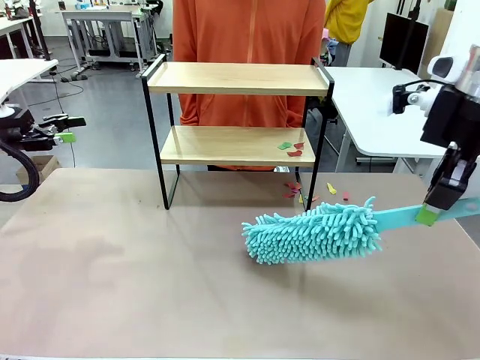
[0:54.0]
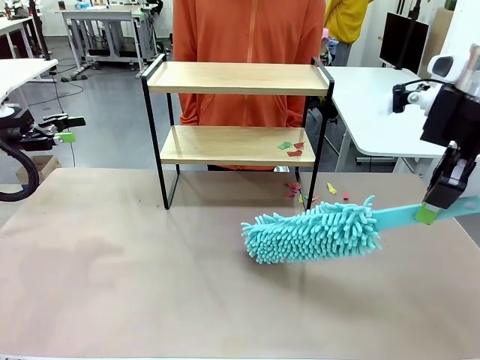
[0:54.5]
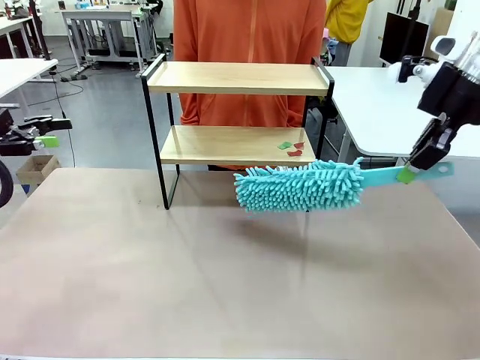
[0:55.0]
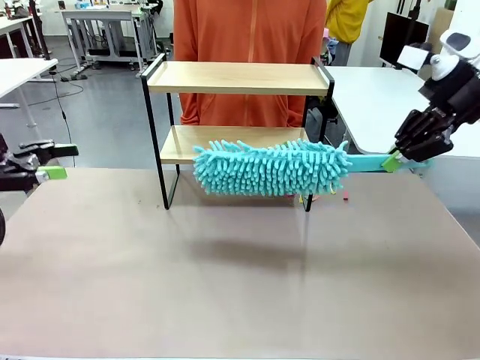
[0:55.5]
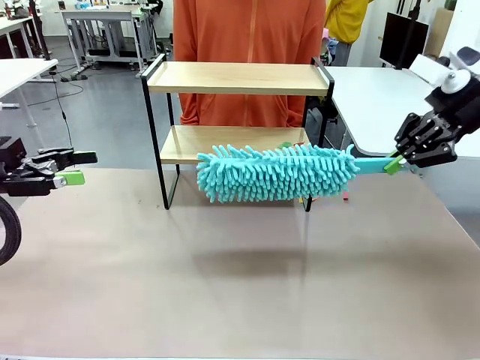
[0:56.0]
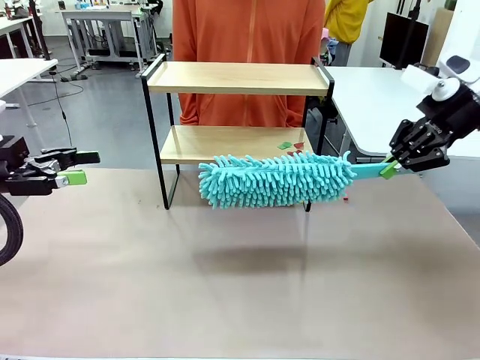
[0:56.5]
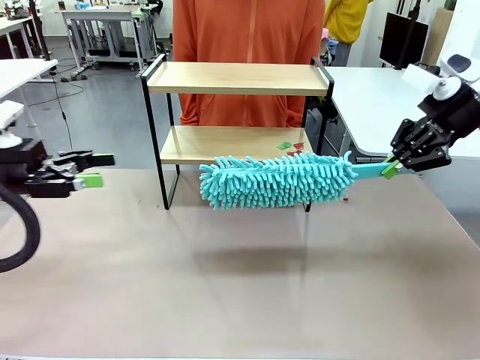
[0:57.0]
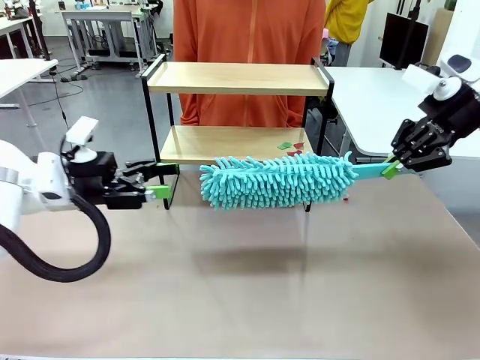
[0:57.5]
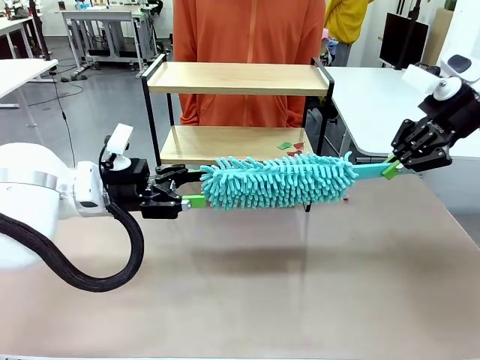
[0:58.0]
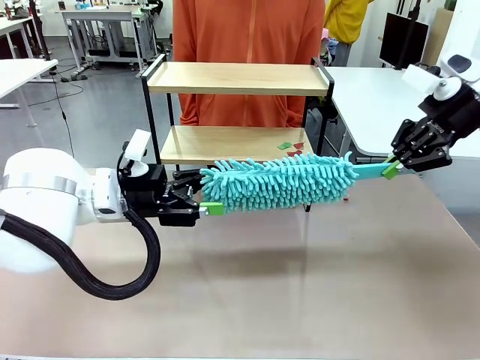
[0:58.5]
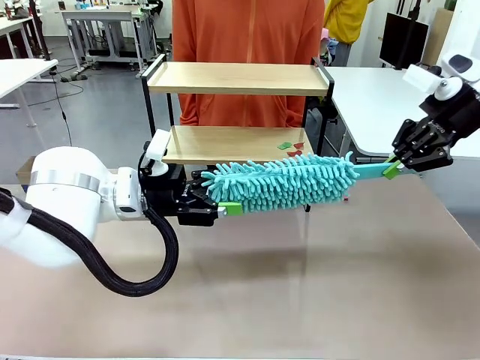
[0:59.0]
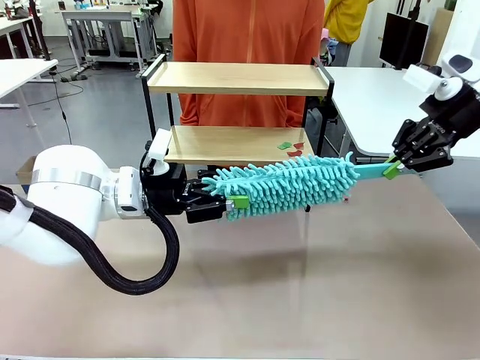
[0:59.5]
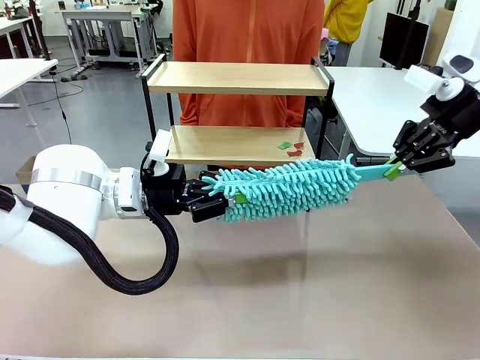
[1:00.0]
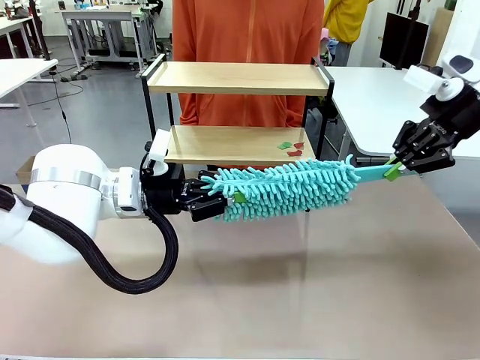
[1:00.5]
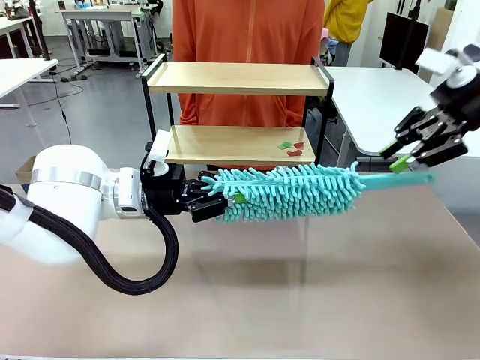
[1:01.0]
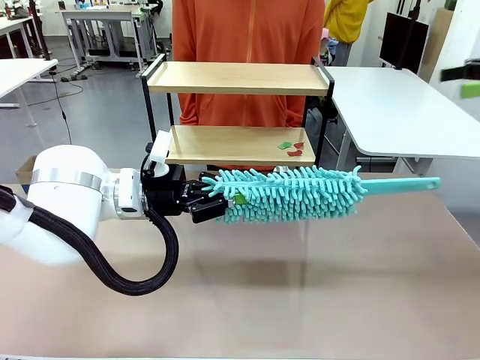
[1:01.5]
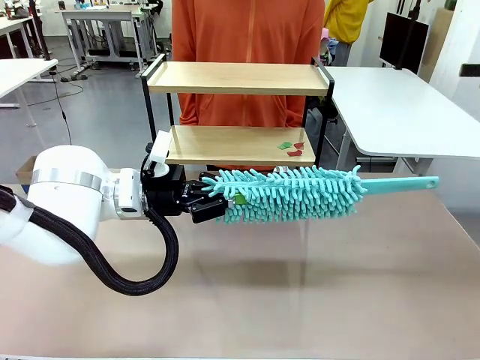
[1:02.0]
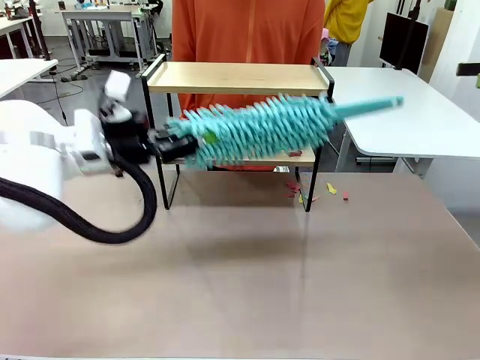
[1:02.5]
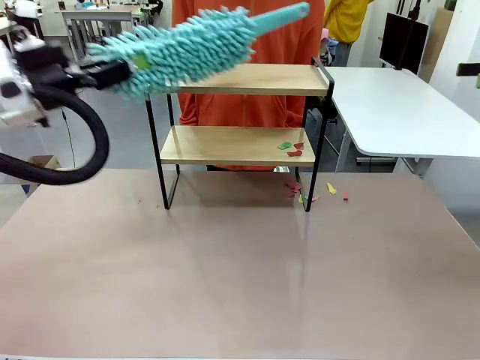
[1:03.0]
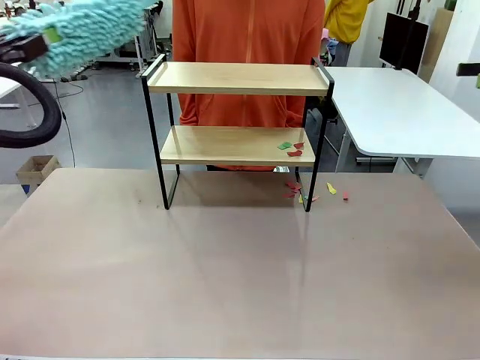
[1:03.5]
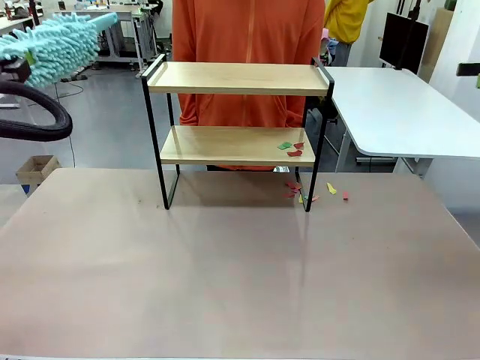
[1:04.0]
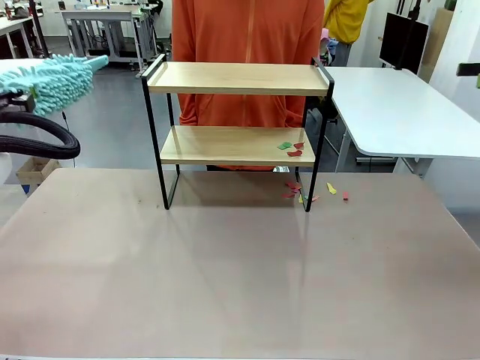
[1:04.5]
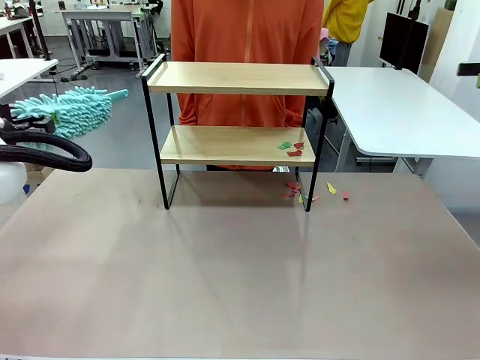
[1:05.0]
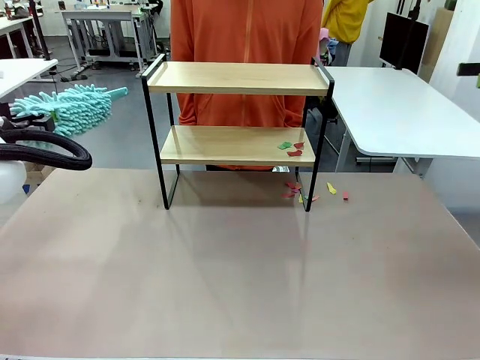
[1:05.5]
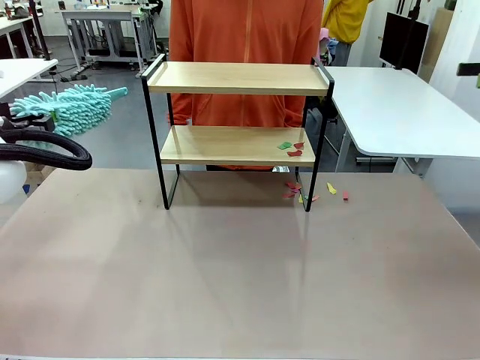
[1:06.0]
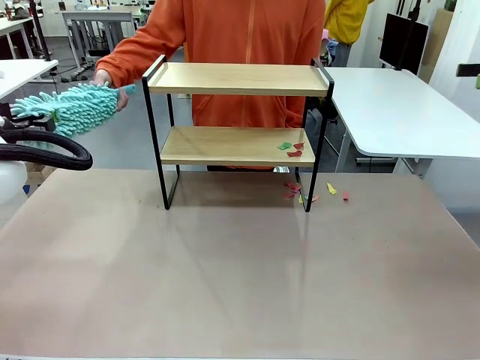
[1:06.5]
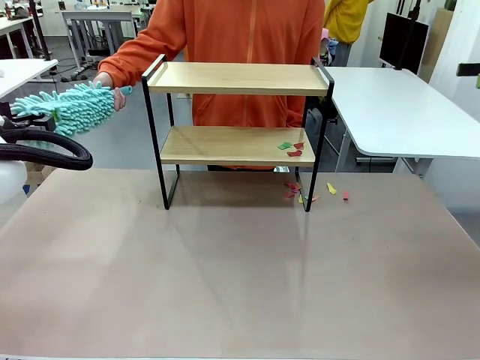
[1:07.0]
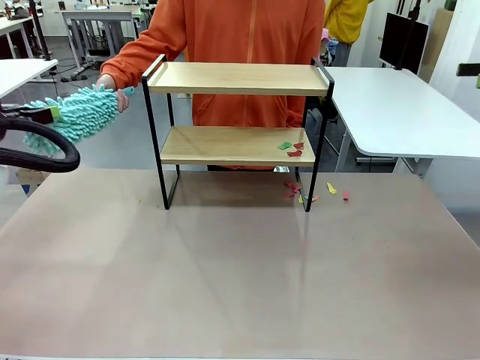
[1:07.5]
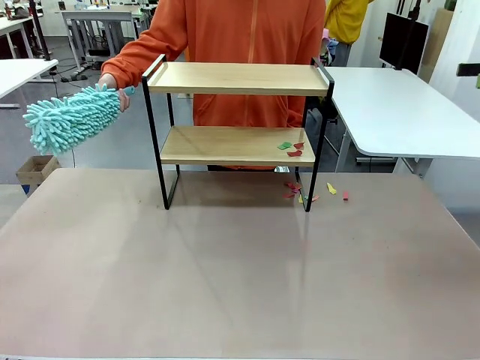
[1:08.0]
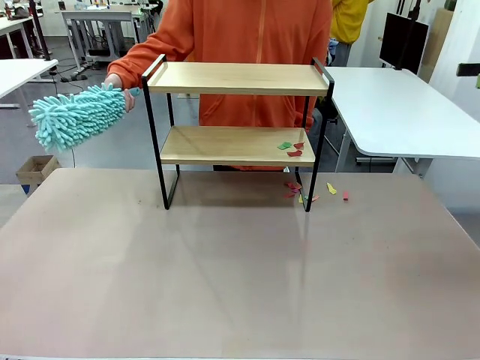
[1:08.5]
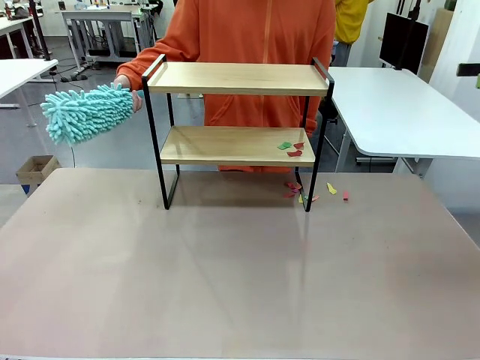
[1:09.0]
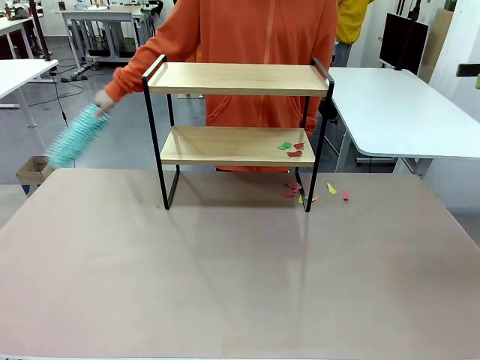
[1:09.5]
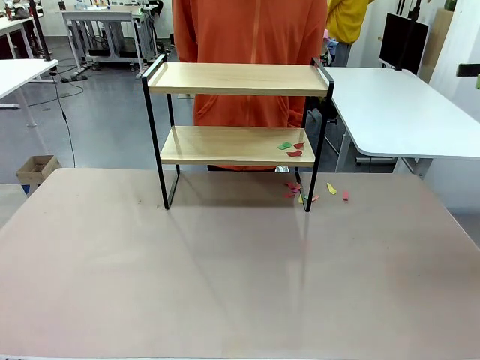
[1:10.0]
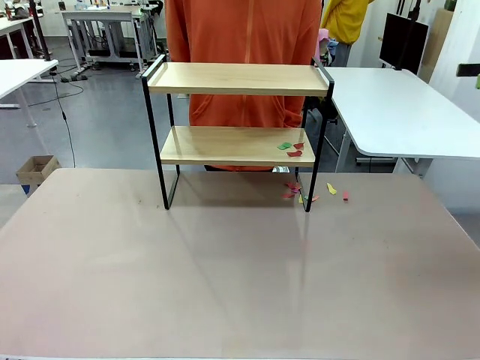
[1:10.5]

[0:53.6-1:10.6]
Task: Clean the shelf.
Robot: Hand the Duster back to the human.
Person: Receive the Duster from the robot.

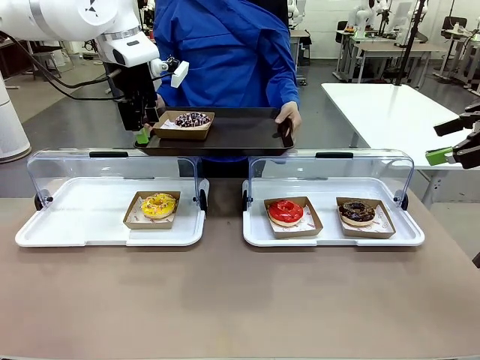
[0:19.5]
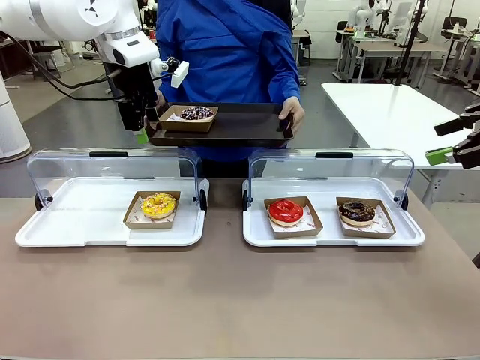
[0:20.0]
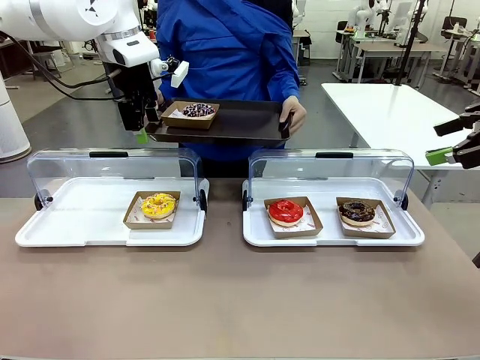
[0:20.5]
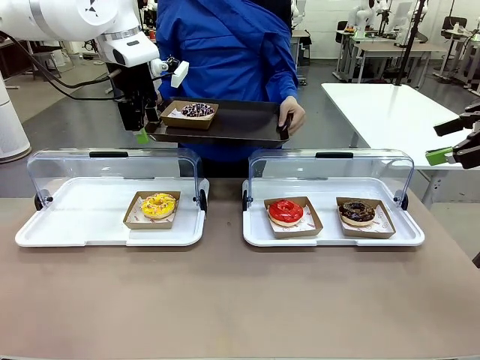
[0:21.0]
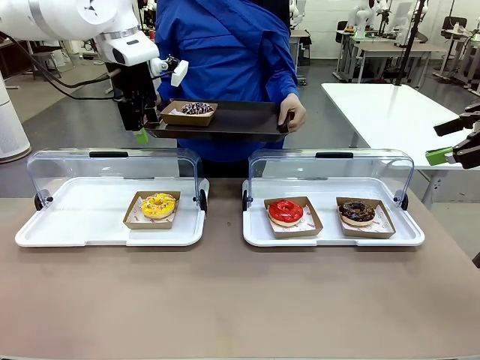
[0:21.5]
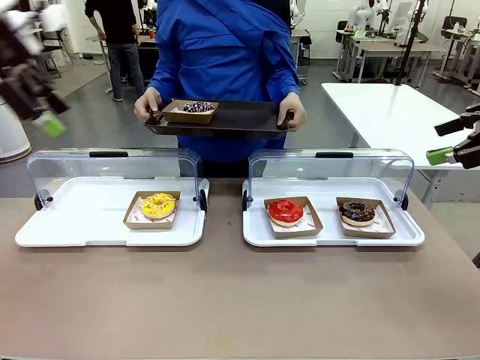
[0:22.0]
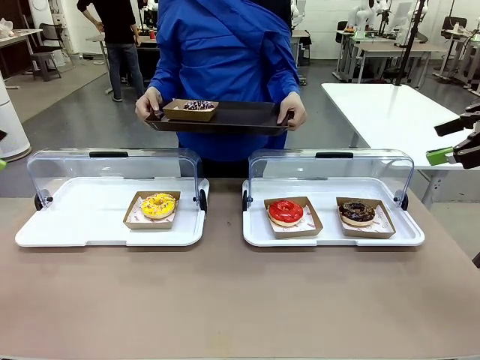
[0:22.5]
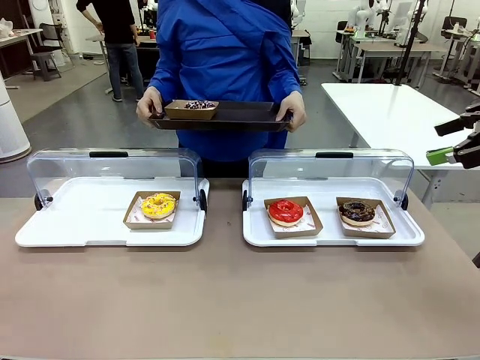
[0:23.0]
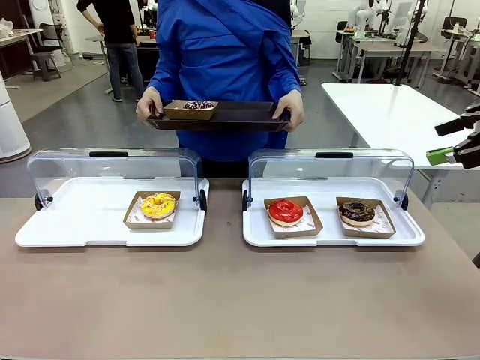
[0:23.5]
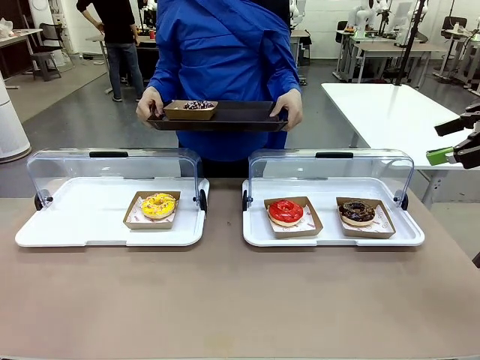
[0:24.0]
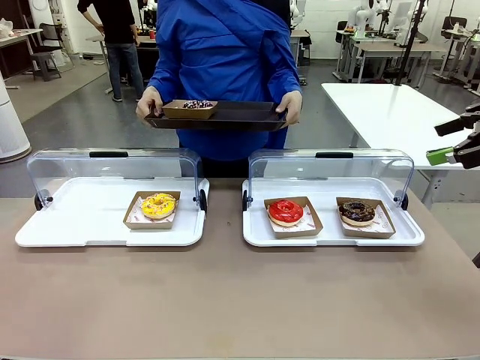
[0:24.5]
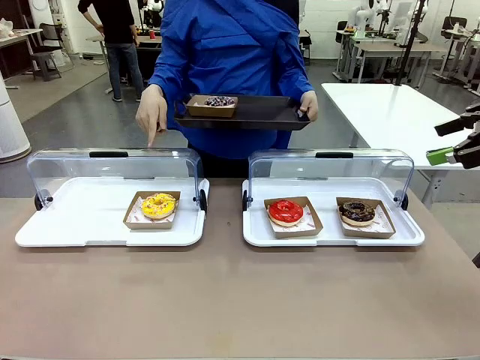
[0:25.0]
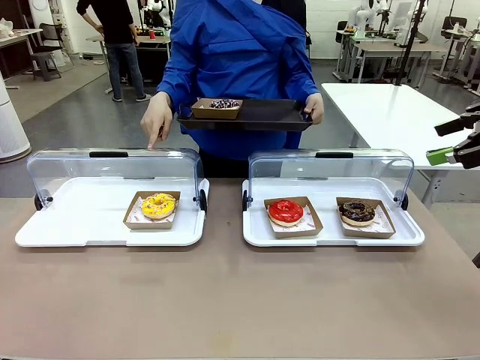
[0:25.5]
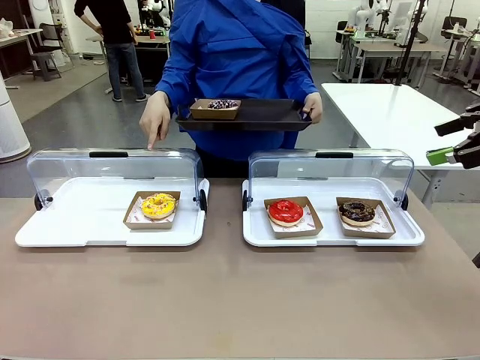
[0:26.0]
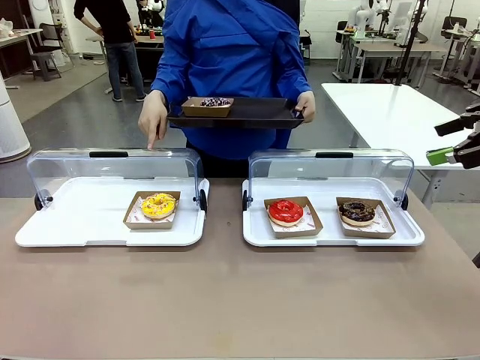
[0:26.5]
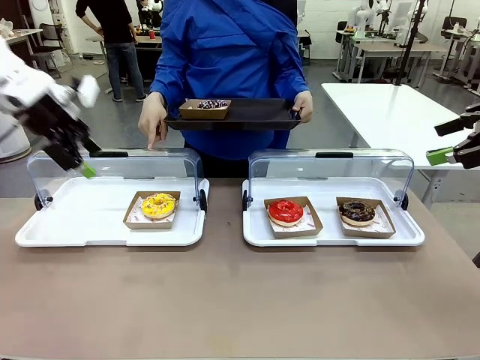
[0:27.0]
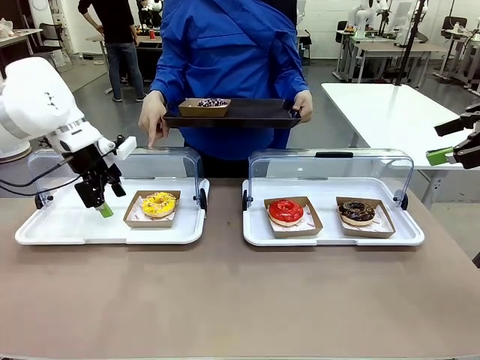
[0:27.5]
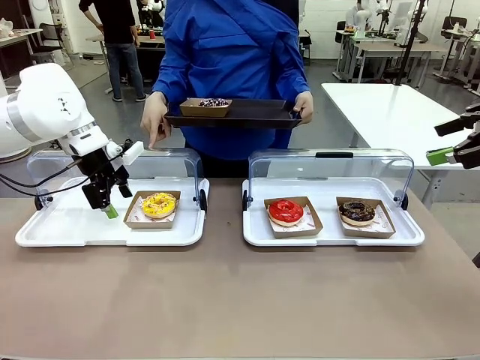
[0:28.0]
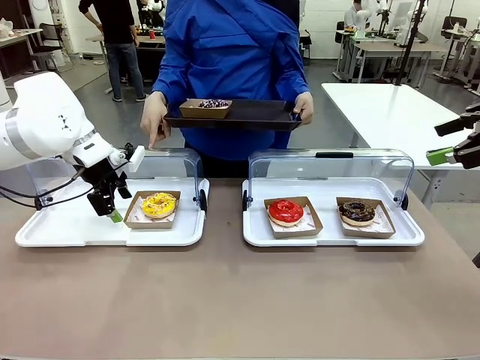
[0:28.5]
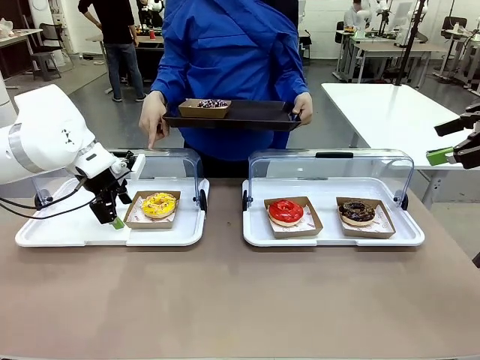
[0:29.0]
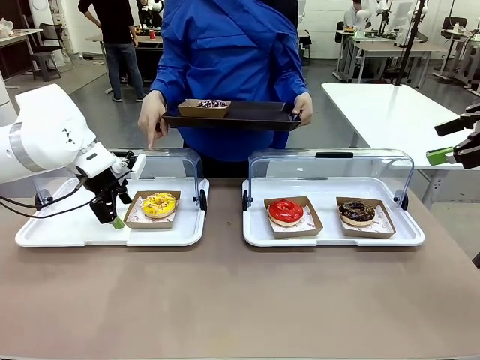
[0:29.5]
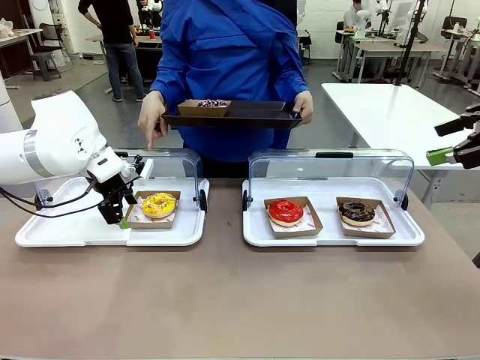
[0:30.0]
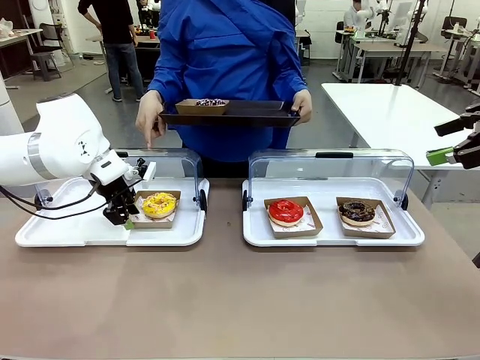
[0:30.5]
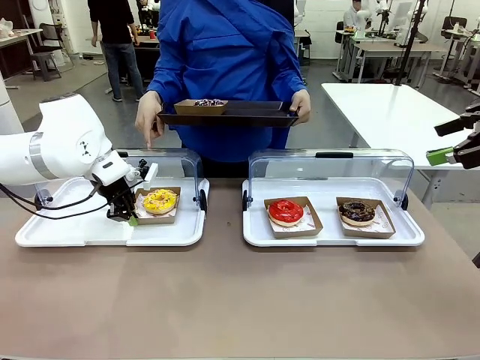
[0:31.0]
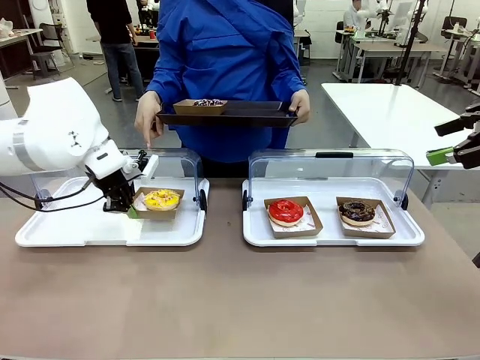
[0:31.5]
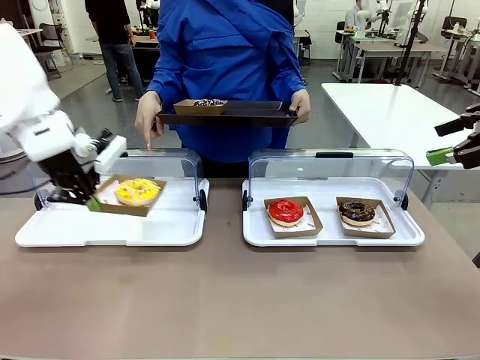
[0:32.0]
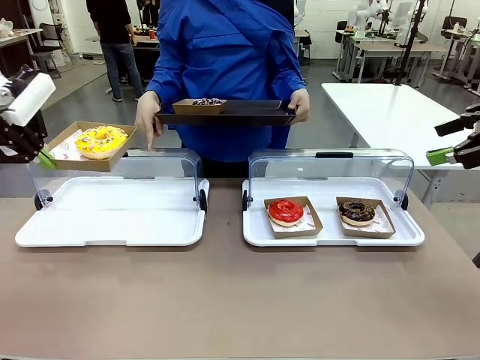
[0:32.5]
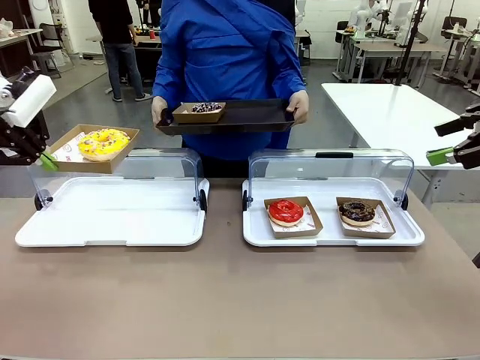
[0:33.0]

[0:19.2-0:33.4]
Task: Provide the desired donut to the person.
Robot: Pick up and lift the Paper togo box containing the Donut pointed at by the person.
Person: Point to one donut. Lift the tray onto the Roll-Top Bakery Case.
